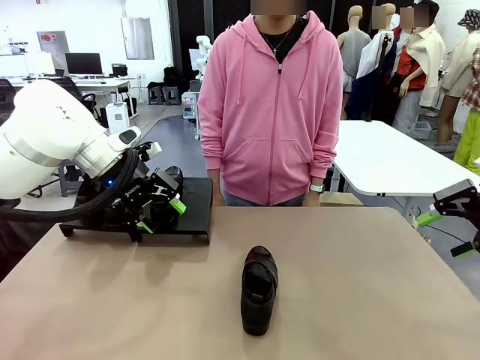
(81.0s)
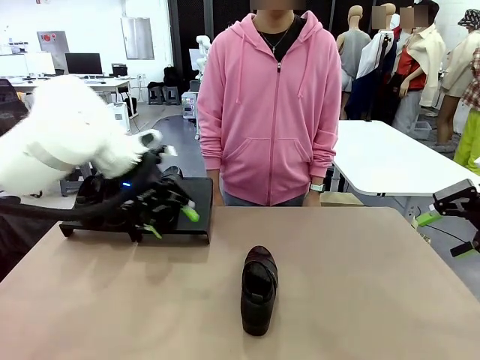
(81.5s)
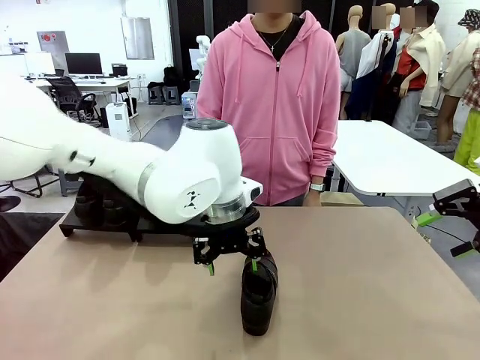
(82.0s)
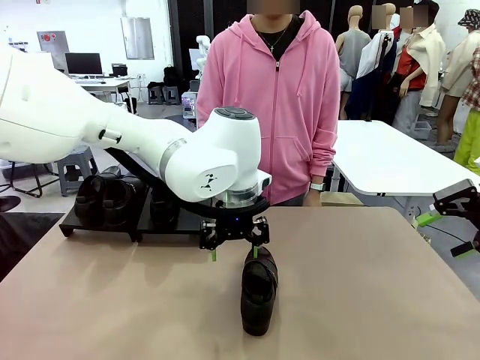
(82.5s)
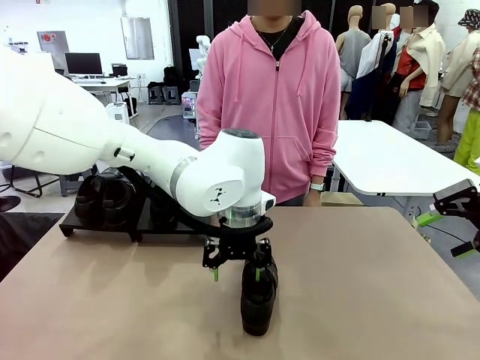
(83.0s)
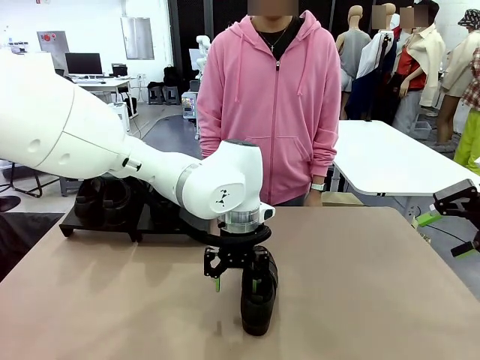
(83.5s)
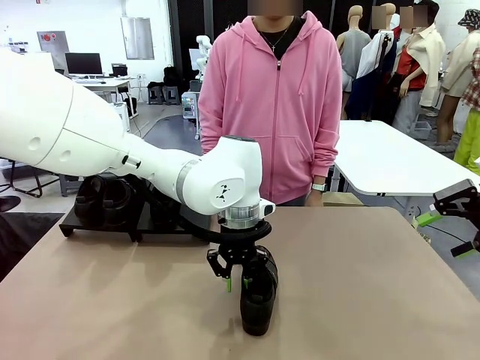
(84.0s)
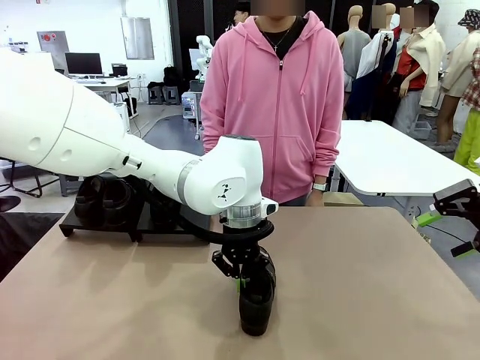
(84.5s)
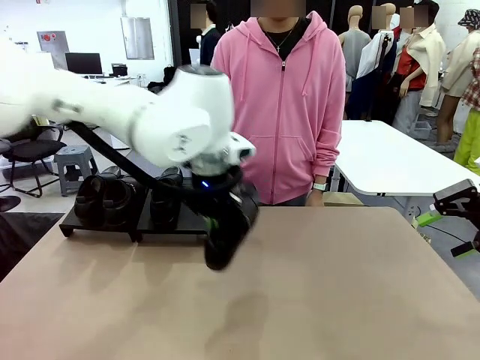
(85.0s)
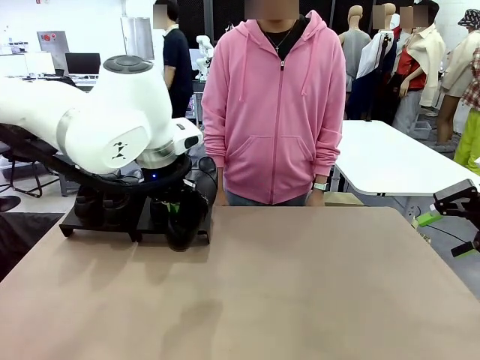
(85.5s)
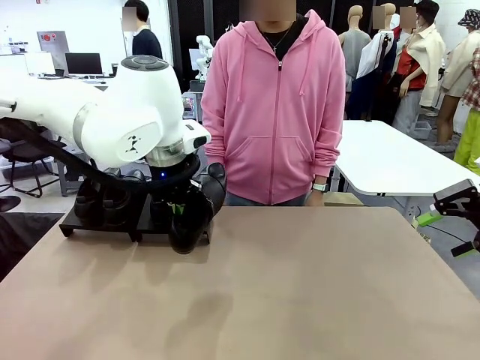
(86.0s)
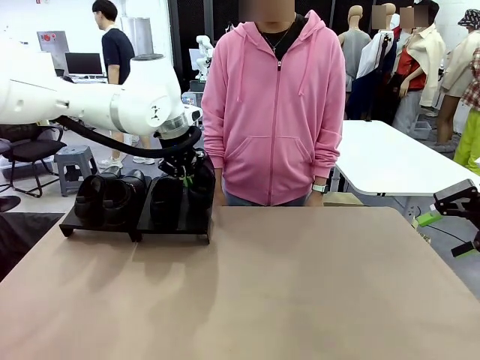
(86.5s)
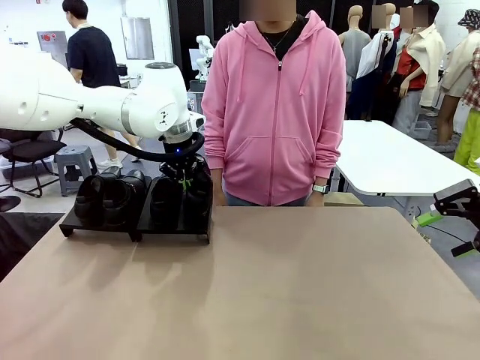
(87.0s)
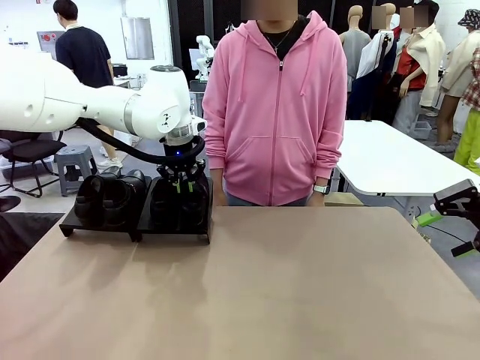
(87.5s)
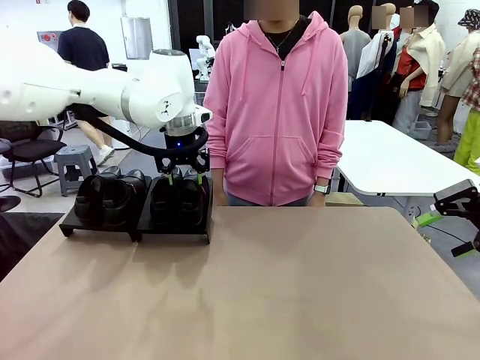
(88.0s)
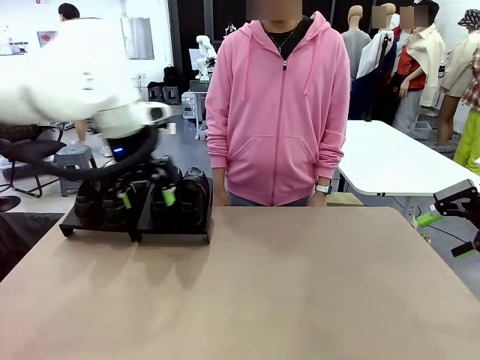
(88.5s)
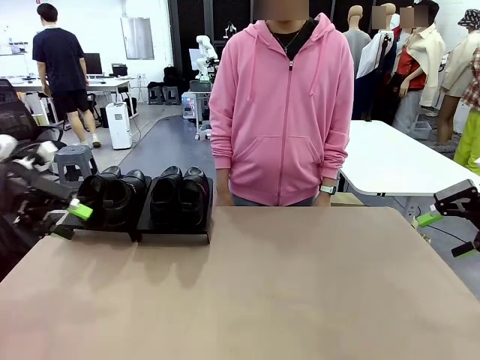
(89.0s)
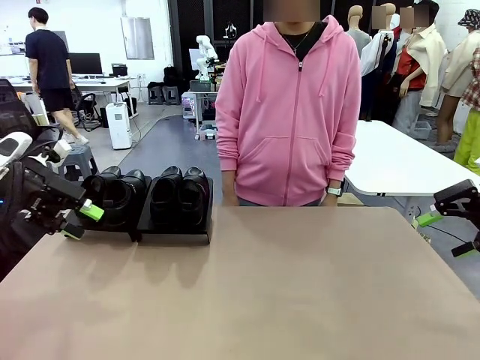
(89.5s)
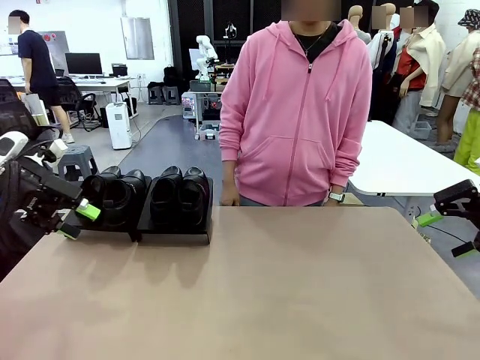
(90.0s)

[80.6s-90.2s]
Task: Organize the shoes by placing them on the stand.
Robot: Place the Shoe from the middle of the table onto the Shoes Stand.

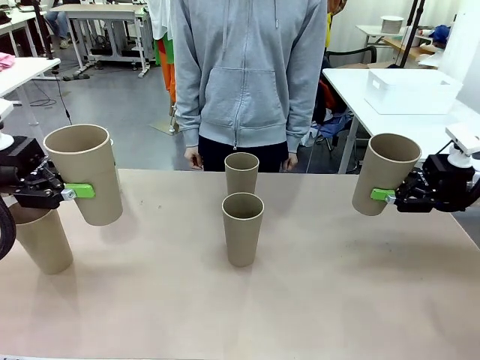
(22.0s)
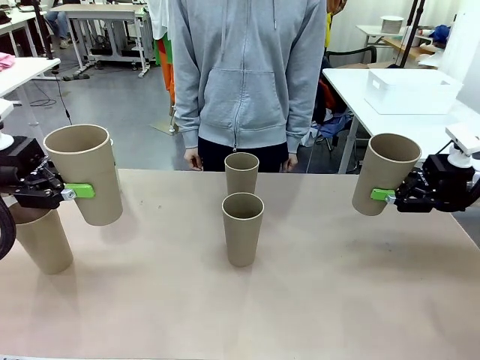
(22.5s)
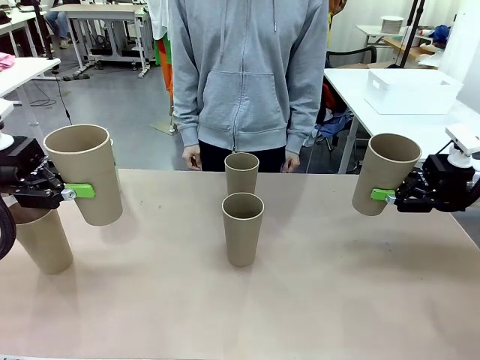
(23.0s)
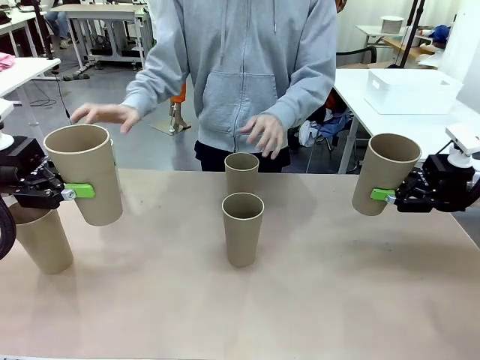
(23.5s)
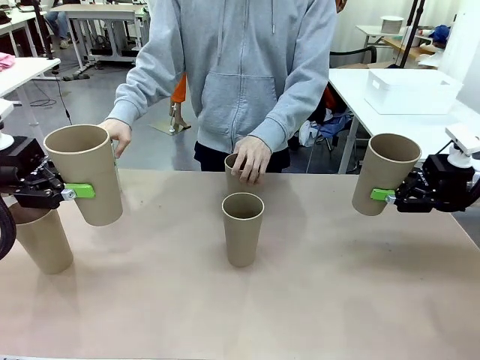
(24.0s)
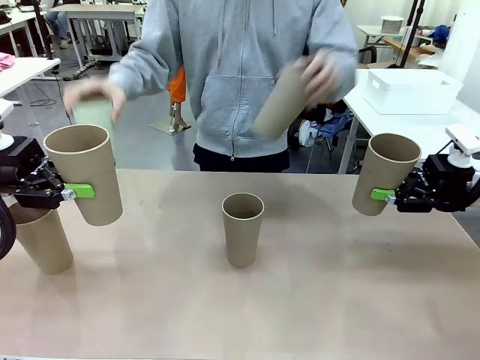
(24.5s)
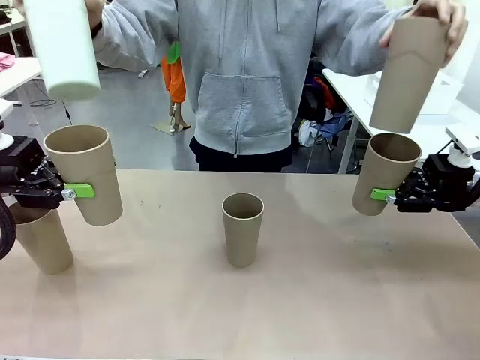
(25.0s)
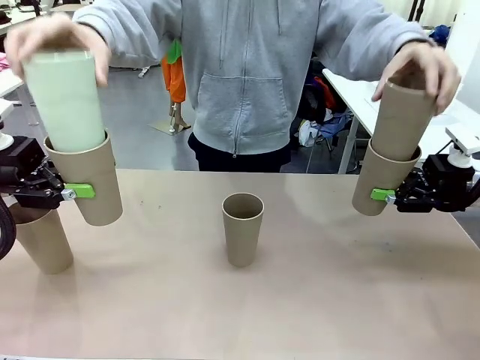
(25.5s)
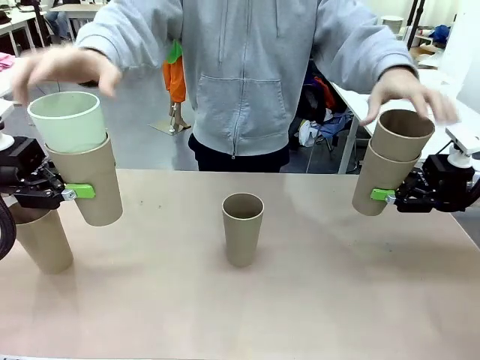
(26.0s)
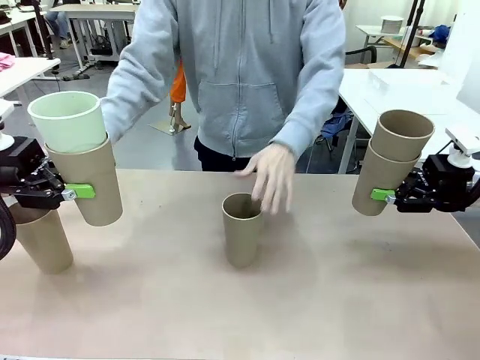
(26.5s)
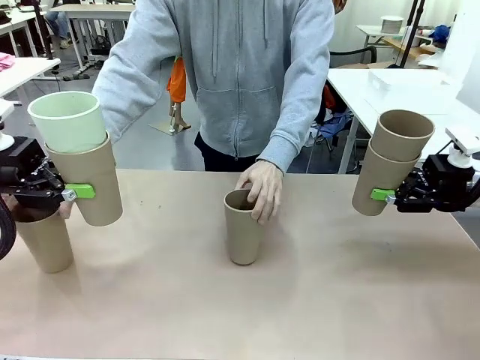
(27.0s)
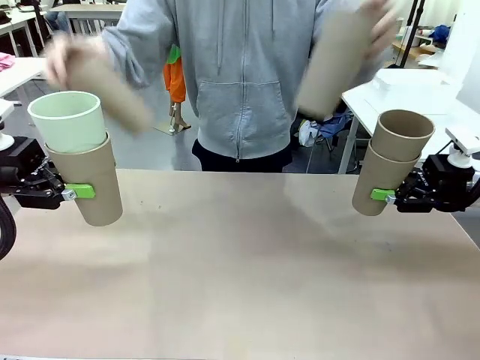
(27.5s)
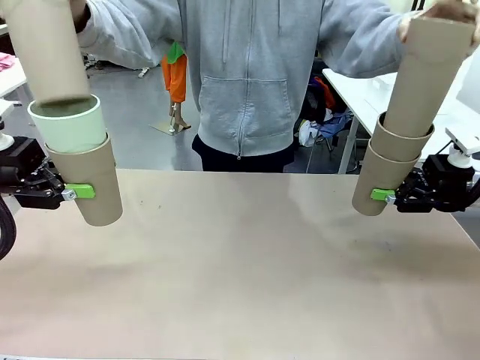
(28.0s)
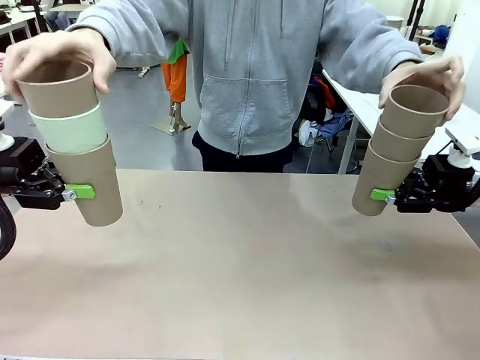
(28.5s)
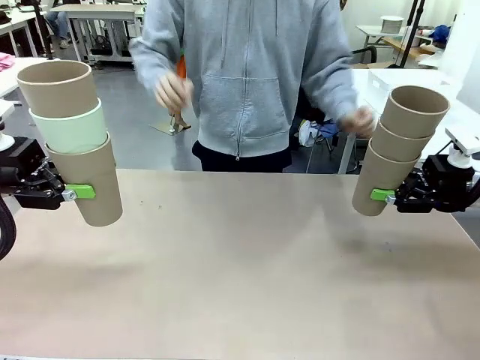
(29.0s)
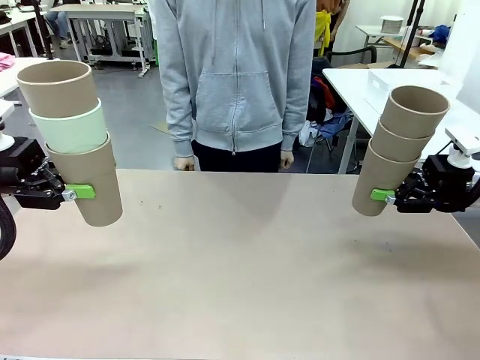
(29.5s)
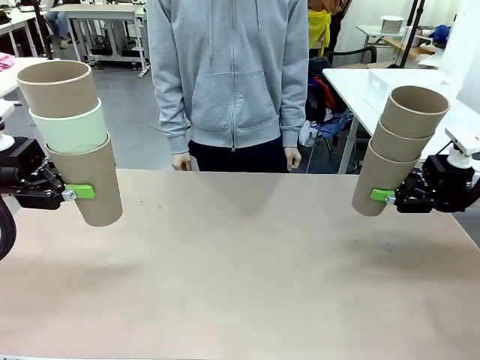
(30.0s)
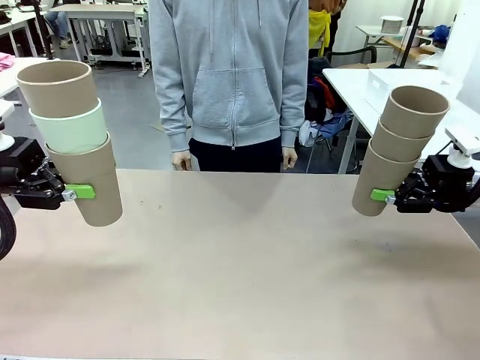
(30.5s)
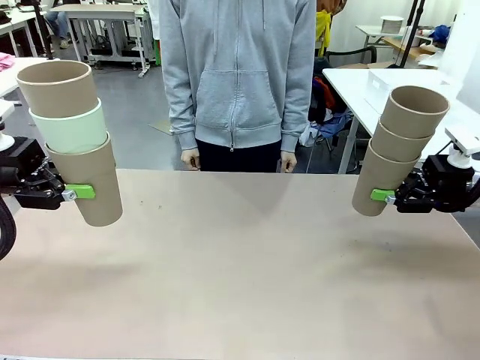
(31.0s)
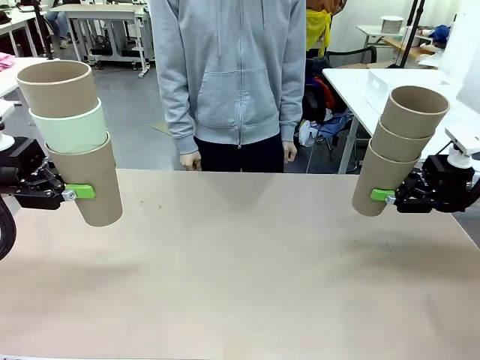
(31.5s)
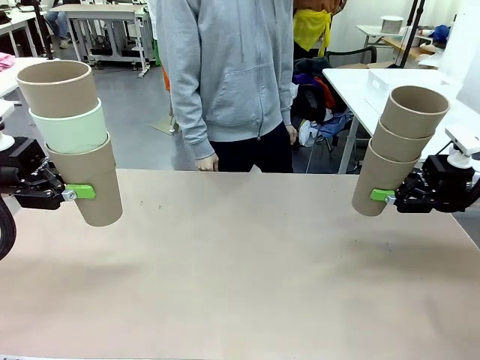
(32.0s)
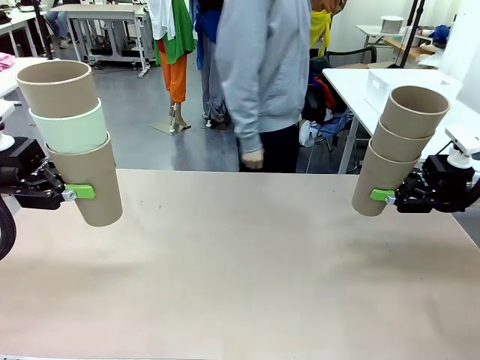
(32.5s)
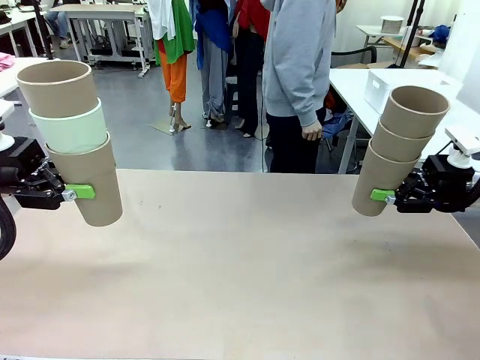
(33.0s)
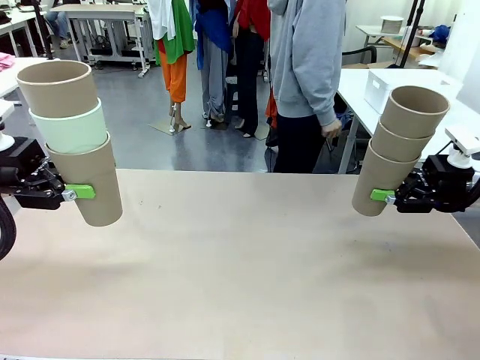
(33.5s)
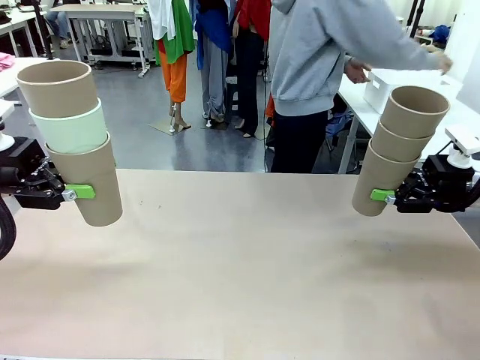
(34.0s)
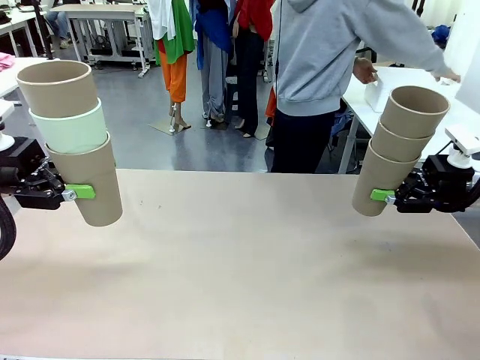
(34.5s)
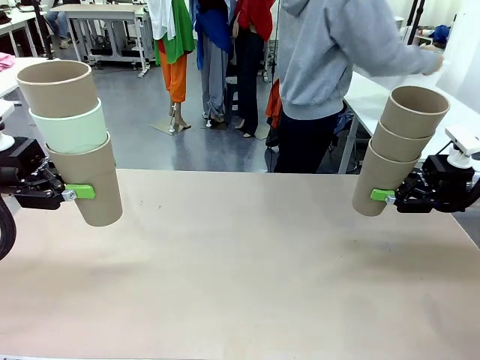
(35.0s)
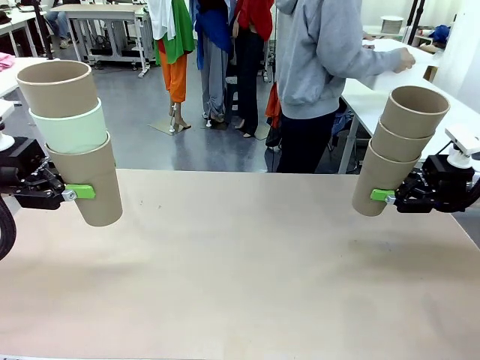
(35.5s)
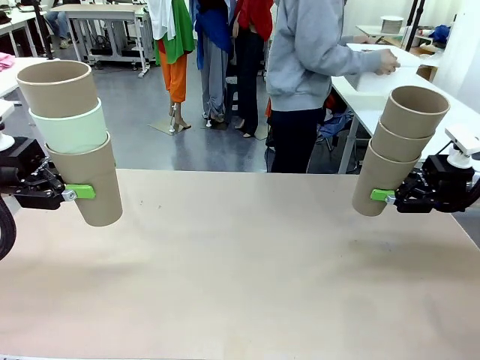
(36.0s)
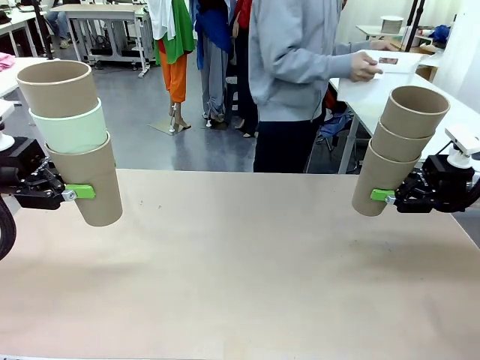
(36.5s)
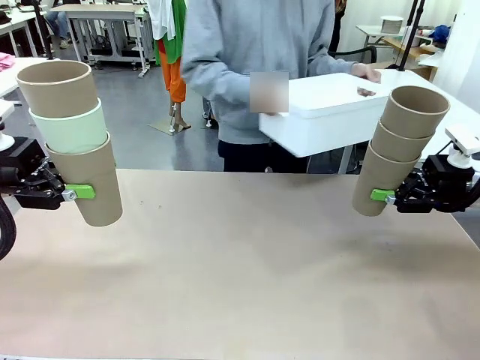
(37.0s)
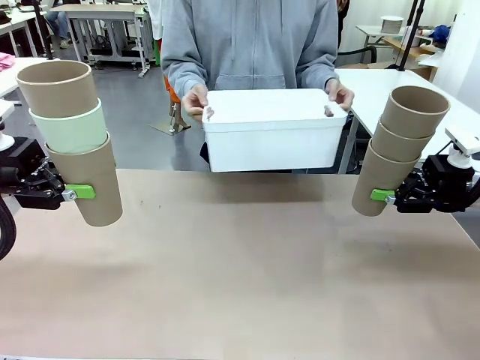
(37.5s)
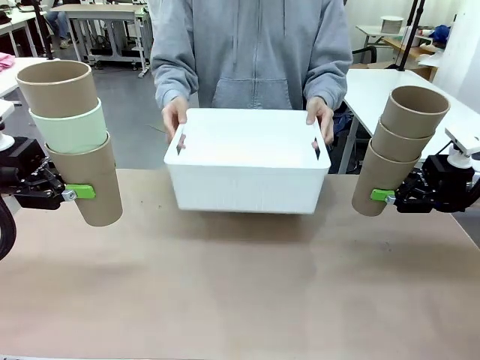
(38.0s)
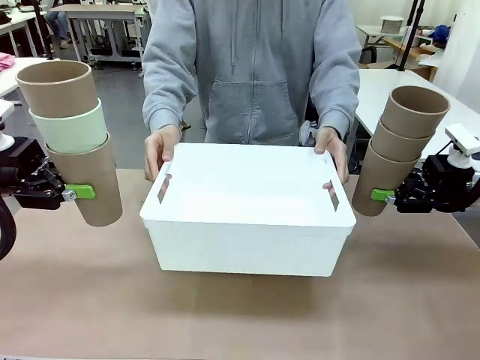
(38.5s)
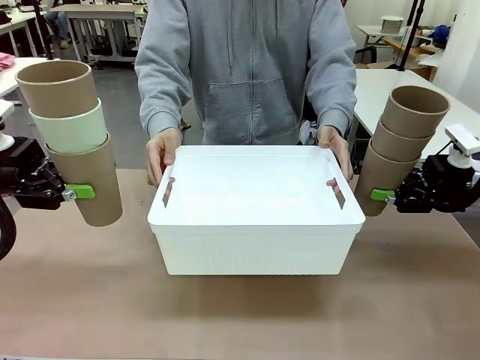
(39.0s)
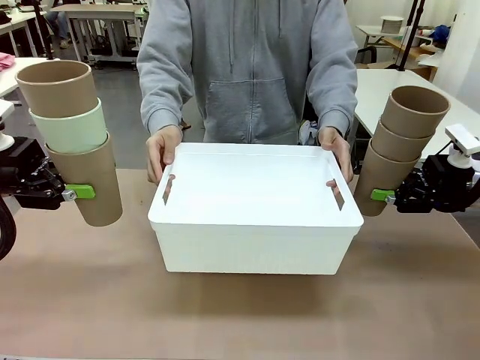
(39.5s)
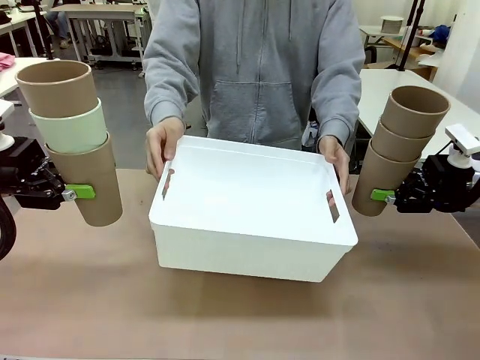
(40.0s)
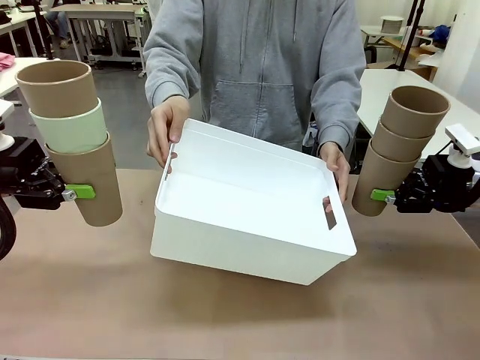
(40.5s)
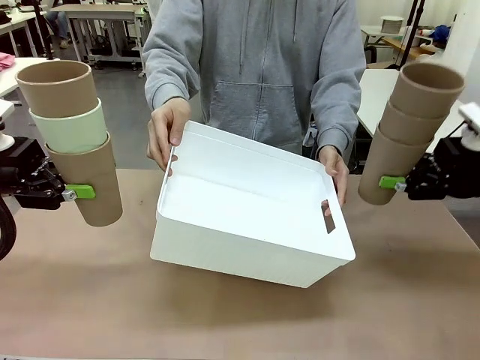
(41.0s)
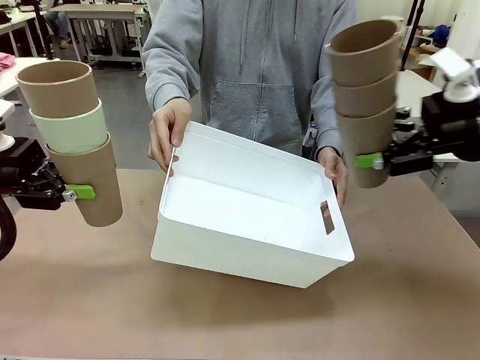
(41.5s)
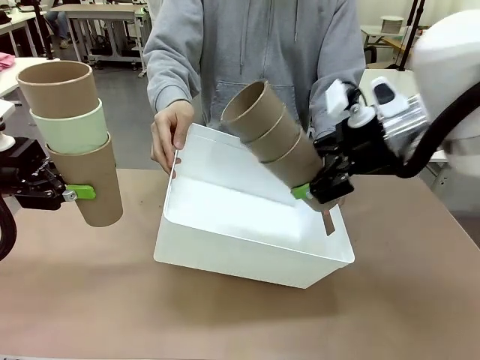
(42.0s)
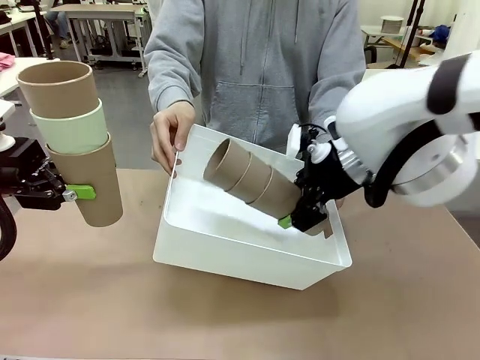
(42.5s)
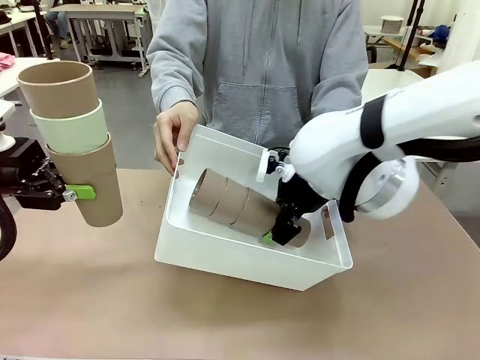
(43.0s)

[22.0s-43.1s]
Task: Stack the cups and store them in the basket.
Robot: Place the stack of Reusable plastic cups into the Pantry Basket.
Person: Pick up the basket from the Human Table, bring it to the front of the robot, and present it.
